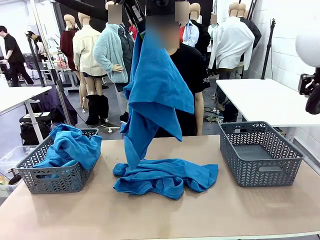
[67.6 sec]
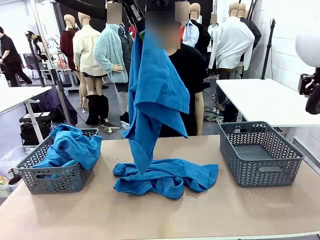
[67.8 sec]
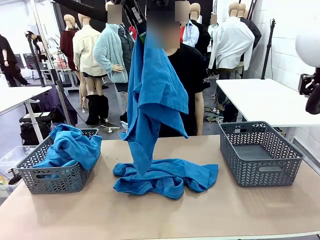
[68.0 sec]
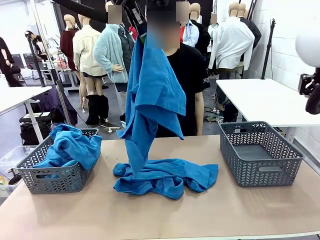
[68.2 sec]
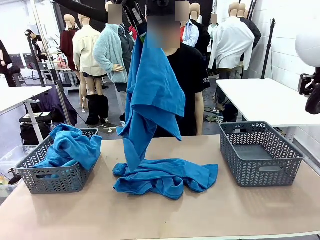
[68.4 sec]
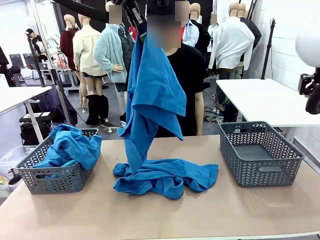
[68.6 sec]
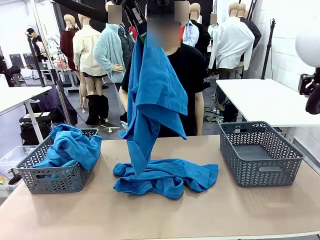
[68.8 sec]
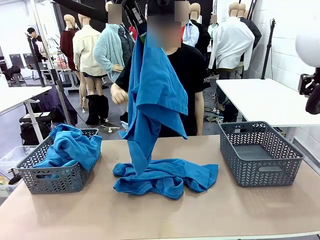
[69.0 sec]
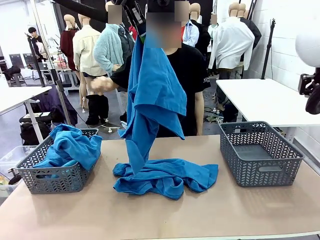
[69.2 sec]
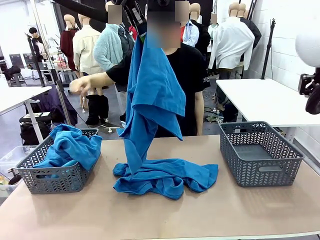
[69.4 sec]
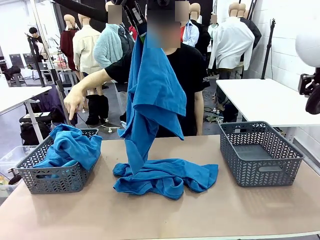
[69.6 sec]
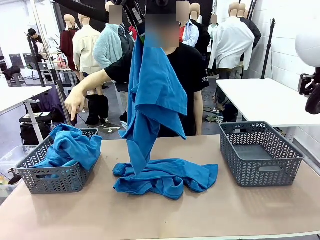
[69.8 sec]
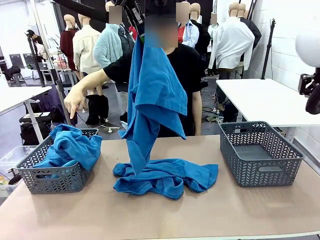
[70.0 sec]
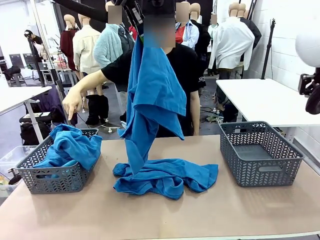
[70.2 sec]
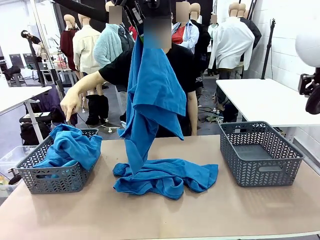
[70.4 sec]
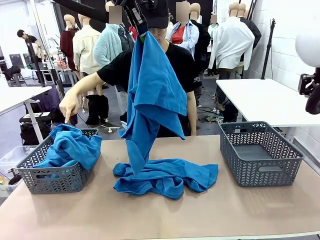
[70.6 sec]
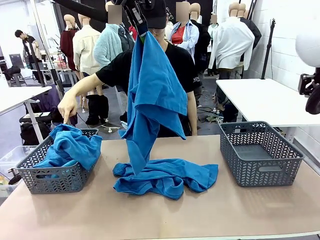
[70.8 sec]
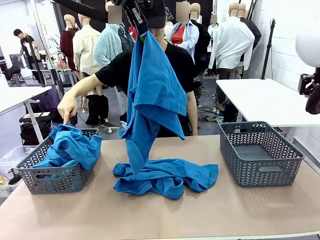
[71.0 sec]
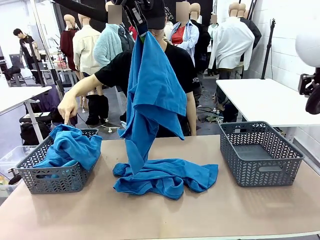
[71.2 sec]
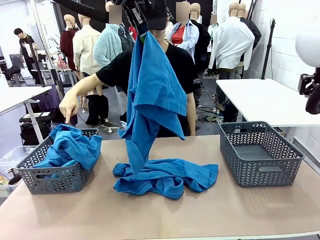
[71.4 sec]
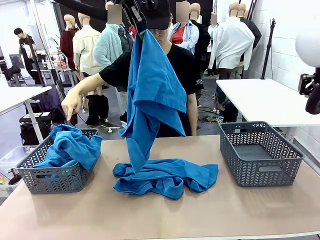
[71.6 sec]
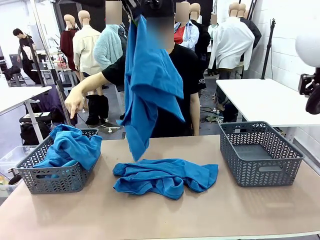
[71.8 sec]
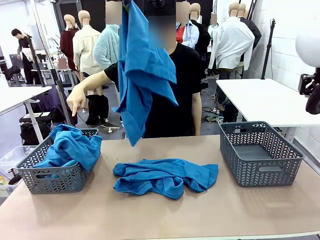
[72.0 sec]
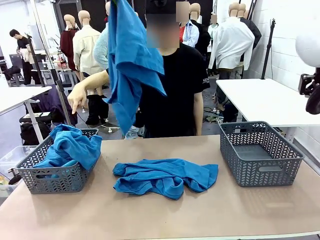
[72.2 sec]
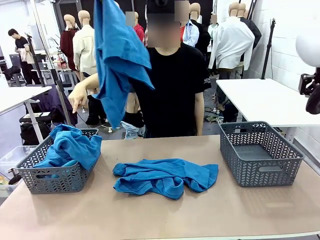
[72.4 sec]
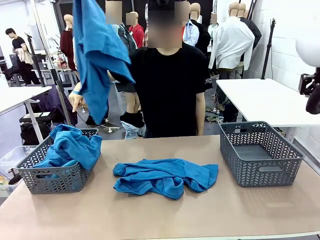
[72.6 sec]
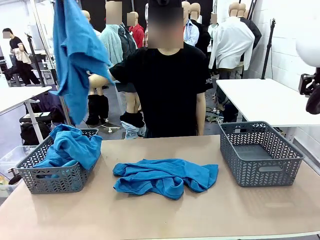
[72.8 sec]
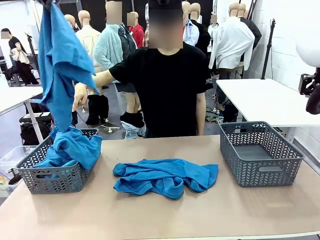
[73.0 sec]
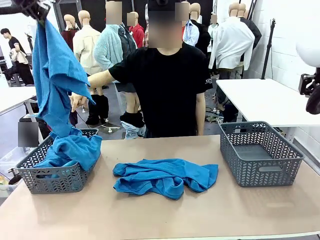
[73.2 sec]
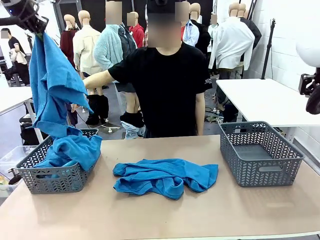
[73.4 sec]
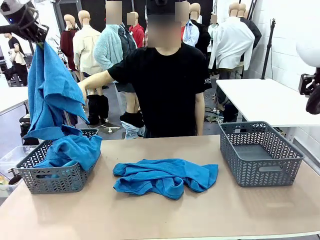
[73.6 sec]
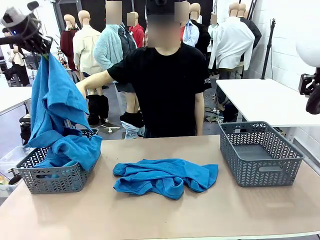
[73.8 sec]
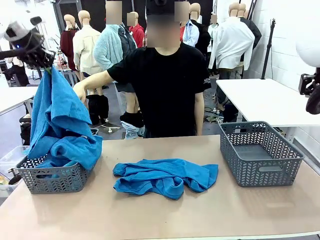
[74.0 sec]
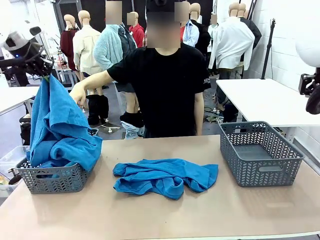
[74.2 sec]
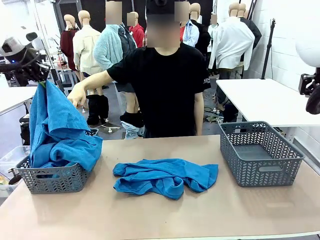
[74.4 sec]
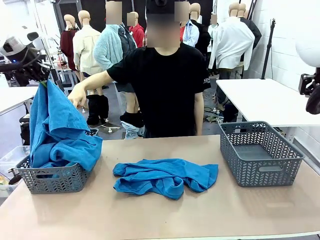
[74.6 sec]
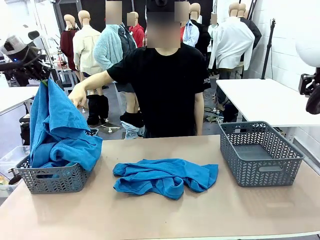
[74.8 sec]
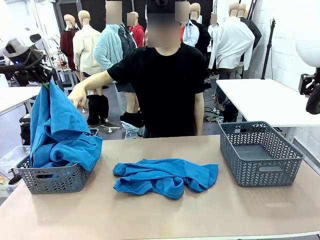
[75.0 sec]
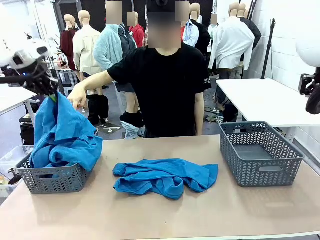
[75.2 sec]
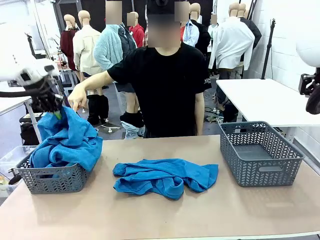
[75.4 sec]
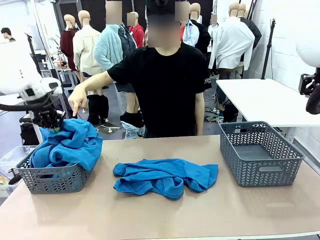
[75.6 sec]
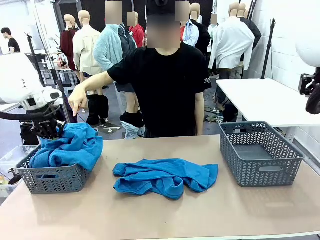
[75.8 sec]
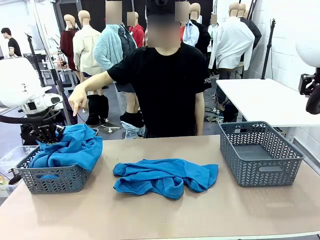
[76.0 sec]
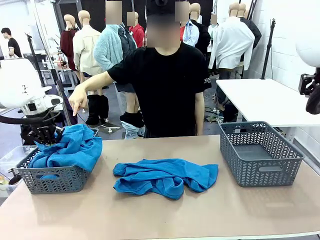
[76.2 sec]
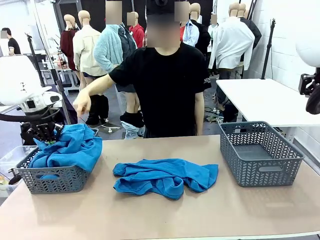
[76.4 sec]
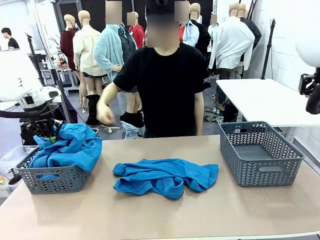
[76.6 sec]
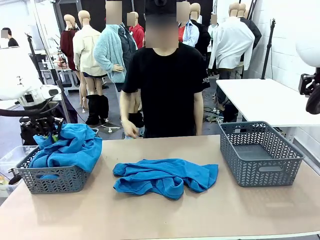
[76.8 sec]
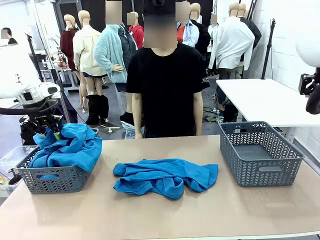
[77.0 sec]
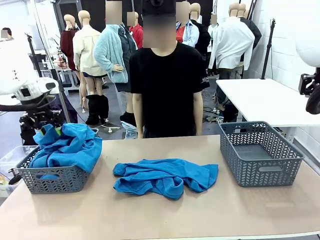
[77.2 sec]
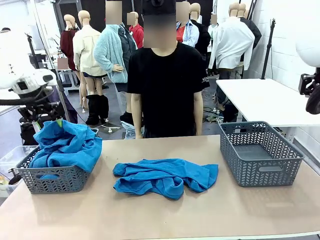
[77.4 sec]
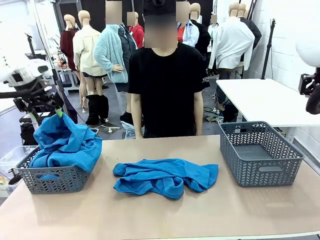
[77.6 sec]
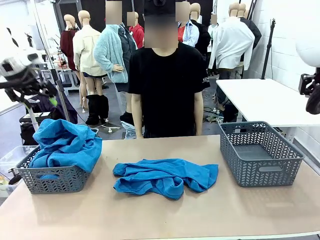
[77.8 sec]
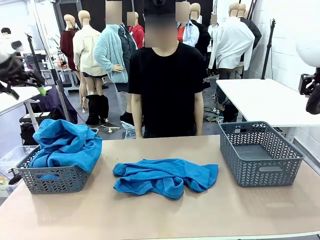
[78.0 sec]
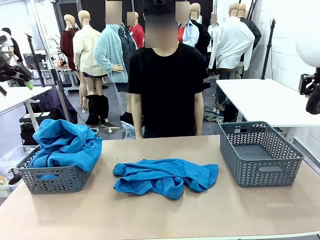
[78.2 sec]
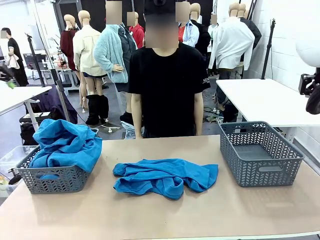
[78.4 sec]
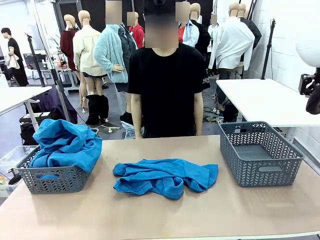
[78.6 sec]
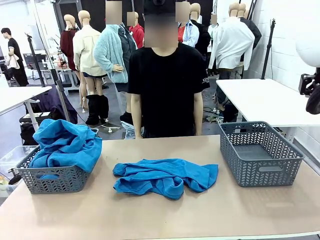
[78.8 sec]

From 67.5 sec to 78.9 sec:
Task: Sort the tops and bottoms.
Robot: Sort the clothes according to human instructions.

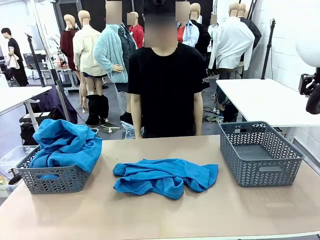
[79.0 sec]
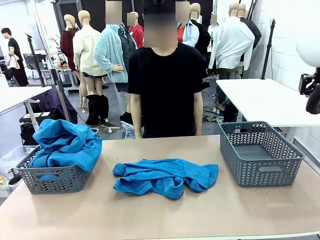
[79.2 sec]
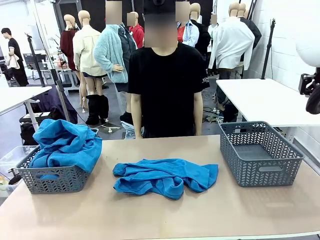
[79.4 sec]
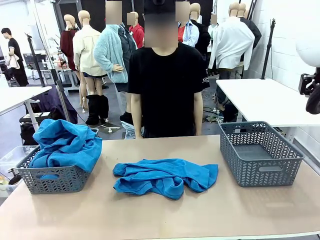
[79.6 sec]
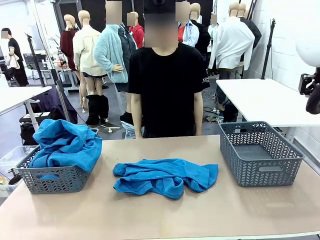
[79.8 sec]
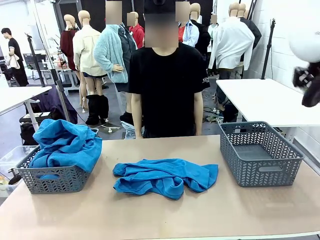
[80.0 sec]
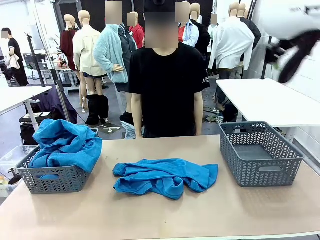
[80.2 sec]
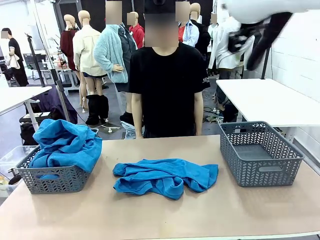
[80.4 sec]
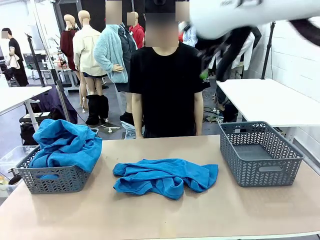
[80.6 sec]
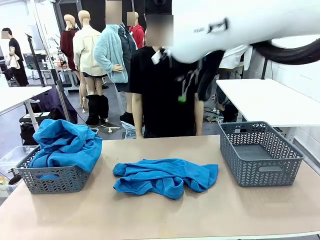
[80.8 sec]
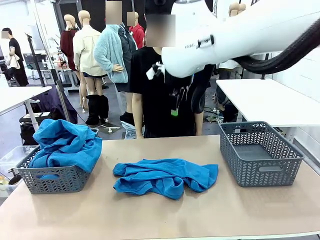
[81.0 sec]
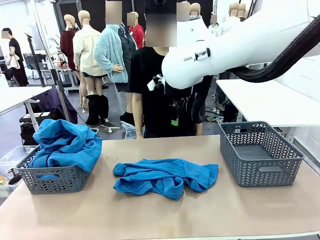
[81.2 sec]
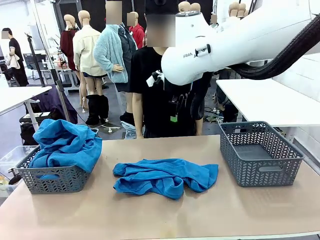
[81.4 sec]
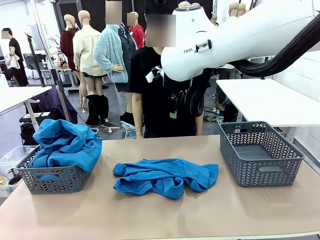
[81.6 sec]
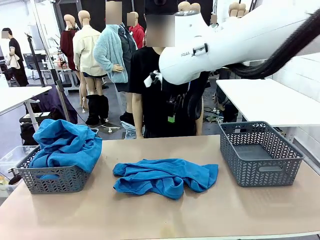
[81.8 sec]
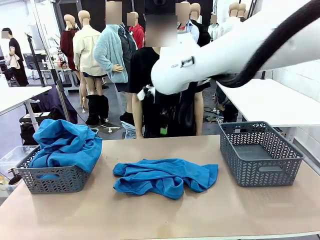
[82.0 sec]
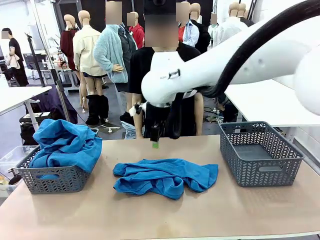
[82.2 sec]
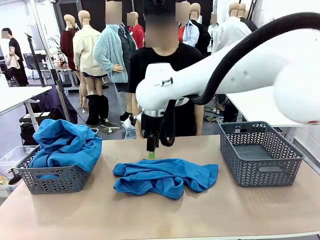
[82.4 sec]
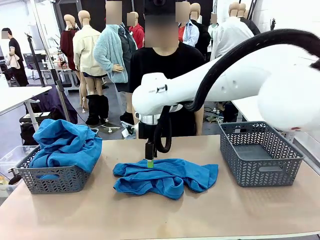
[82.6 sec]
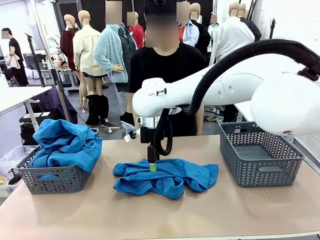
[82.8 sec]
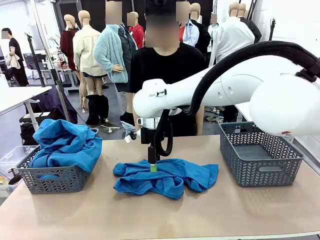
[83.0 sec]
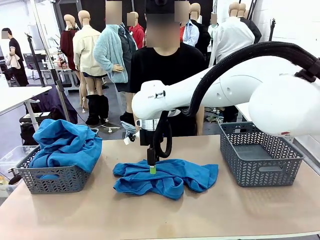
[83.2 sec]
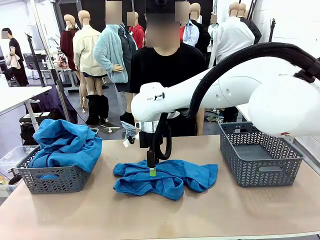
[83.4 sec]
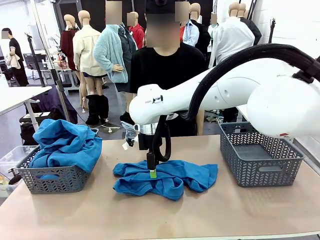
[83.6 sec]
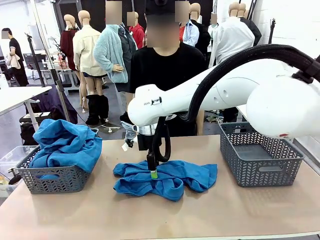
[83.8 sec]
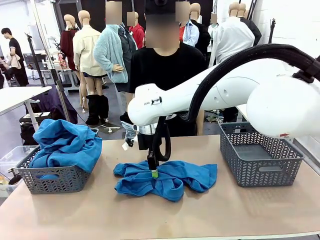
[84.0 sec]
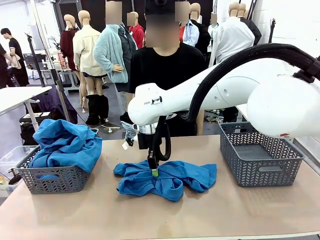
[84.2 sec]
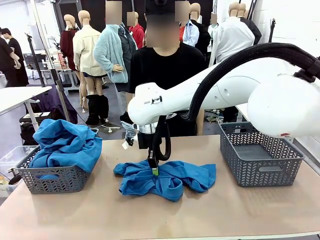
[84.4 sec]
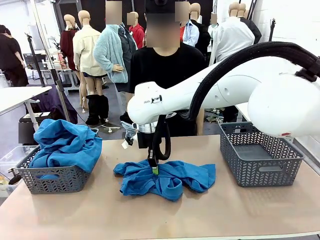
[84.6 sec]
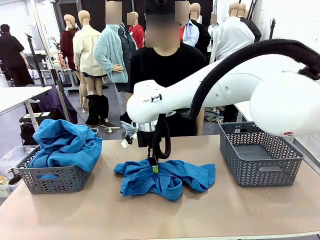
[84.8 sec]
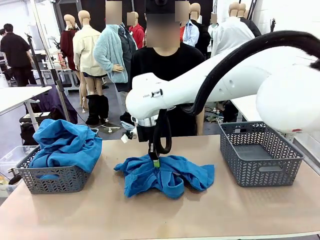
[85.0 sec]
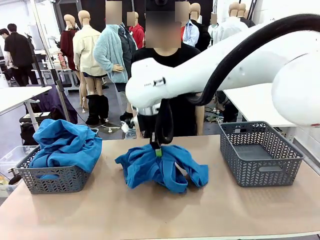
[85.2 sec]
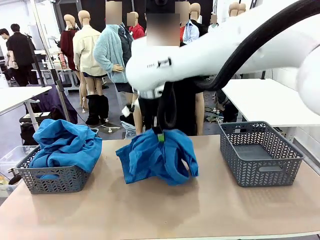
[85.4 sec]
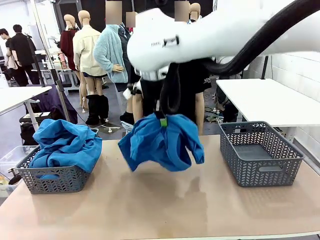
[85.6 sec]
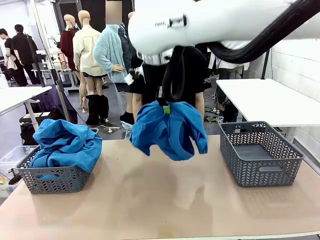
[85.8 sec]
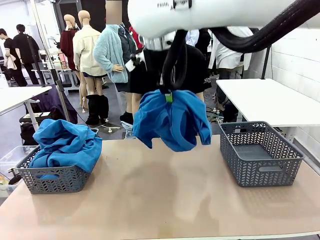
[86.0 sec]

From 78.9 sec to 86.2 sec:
Robot: Lift clothes from the center of the table with your right hand.
